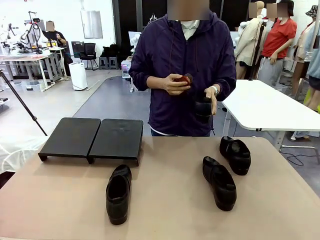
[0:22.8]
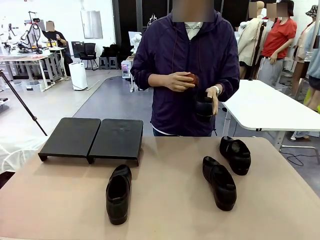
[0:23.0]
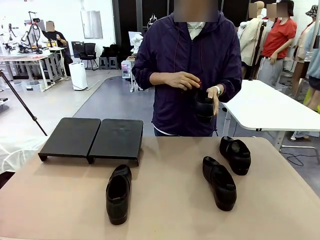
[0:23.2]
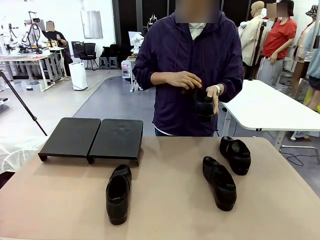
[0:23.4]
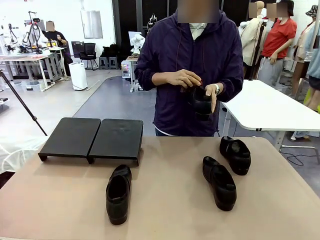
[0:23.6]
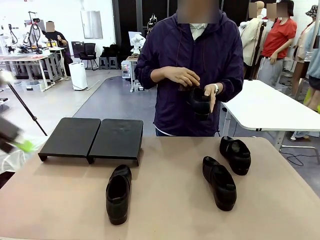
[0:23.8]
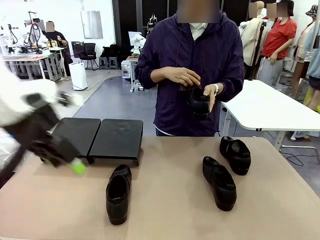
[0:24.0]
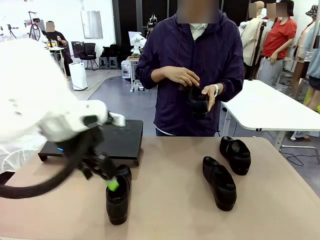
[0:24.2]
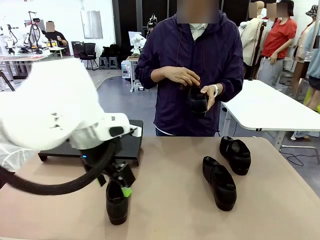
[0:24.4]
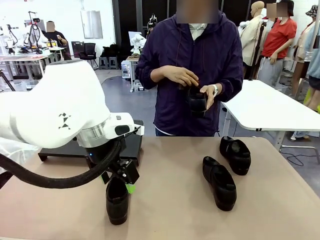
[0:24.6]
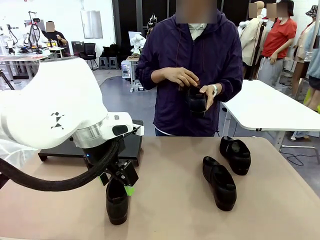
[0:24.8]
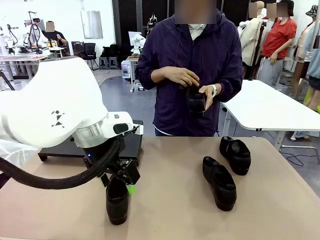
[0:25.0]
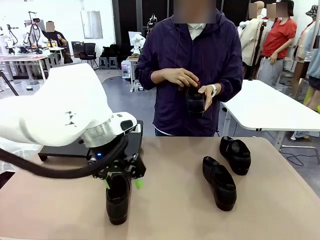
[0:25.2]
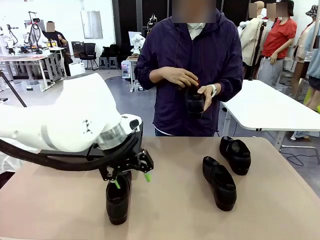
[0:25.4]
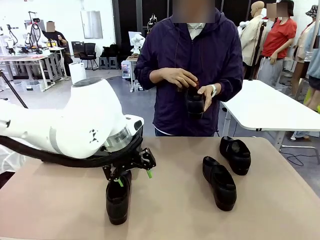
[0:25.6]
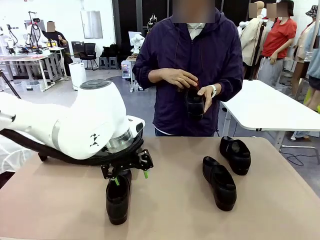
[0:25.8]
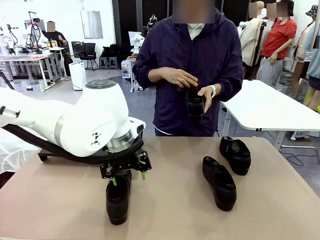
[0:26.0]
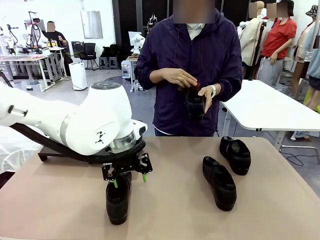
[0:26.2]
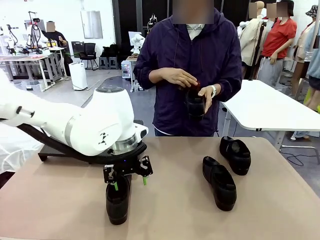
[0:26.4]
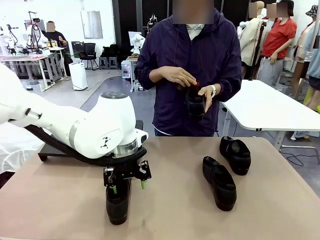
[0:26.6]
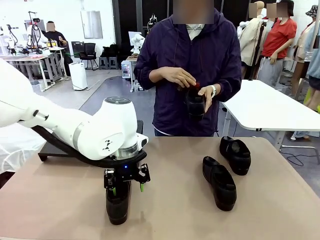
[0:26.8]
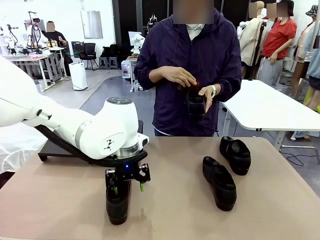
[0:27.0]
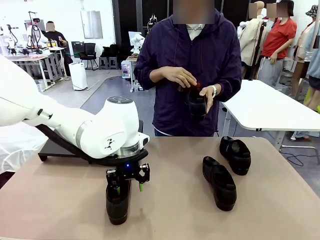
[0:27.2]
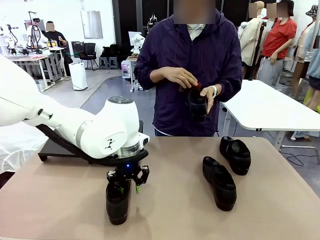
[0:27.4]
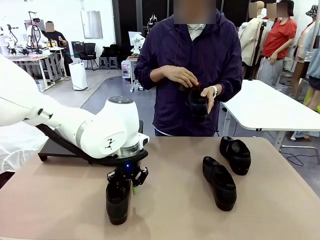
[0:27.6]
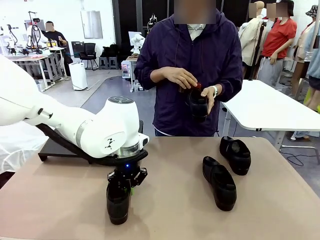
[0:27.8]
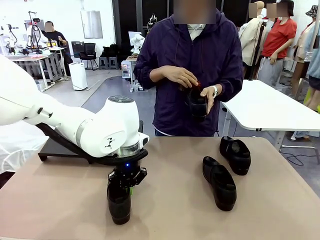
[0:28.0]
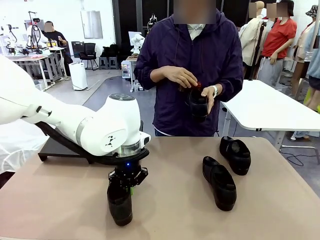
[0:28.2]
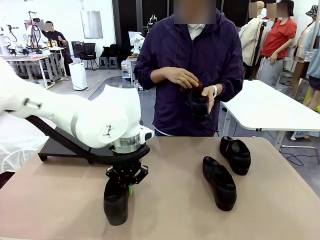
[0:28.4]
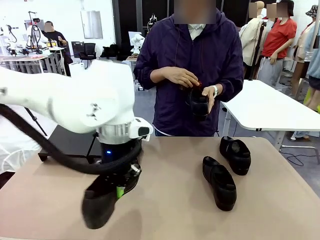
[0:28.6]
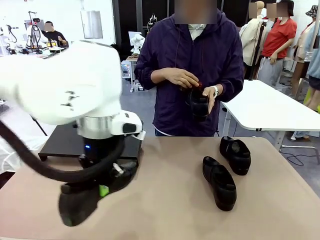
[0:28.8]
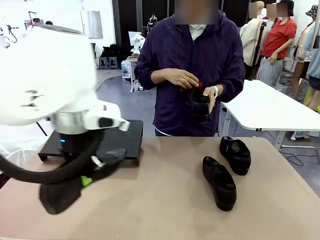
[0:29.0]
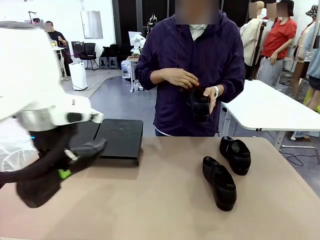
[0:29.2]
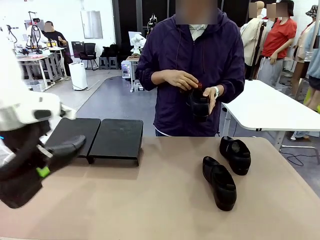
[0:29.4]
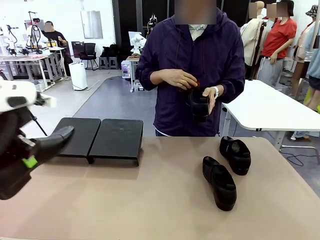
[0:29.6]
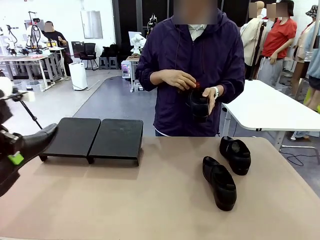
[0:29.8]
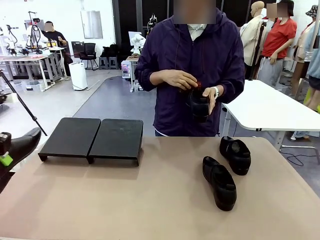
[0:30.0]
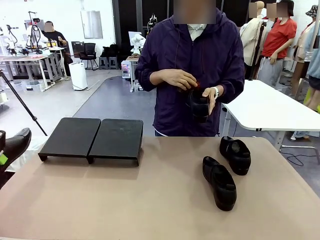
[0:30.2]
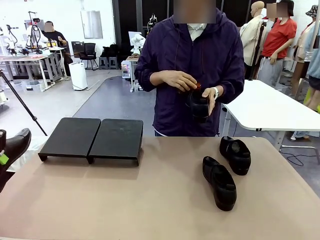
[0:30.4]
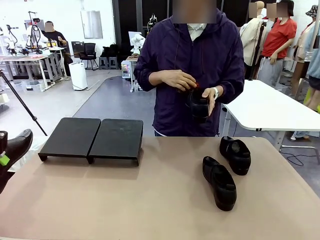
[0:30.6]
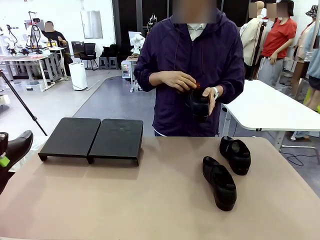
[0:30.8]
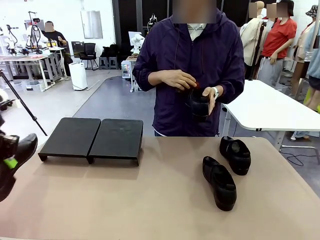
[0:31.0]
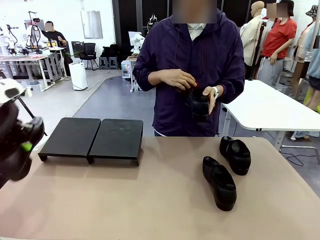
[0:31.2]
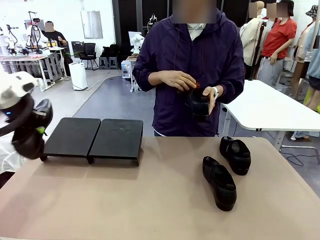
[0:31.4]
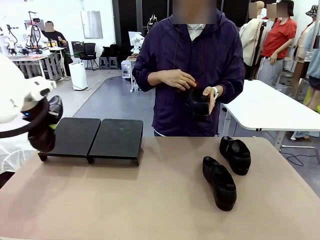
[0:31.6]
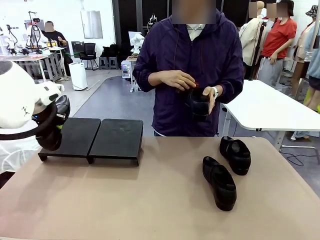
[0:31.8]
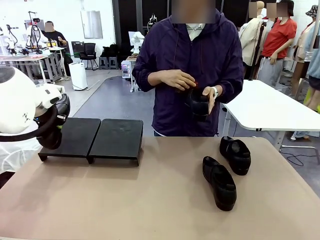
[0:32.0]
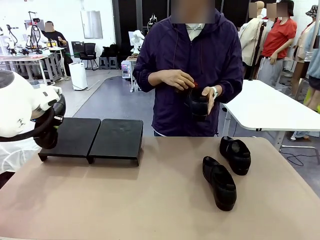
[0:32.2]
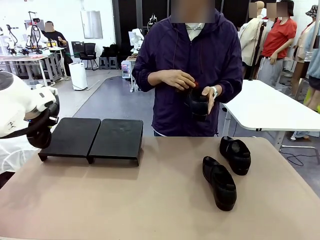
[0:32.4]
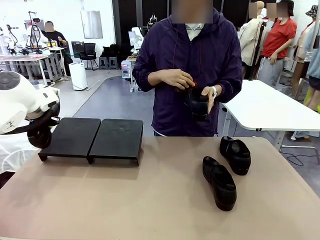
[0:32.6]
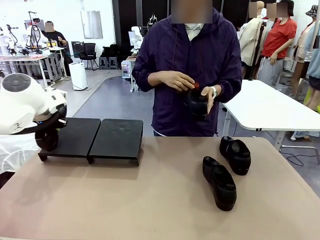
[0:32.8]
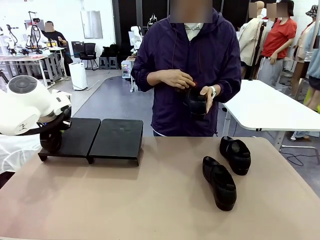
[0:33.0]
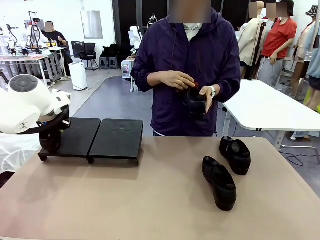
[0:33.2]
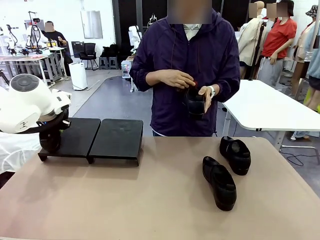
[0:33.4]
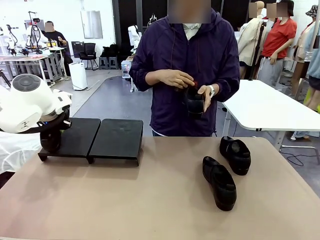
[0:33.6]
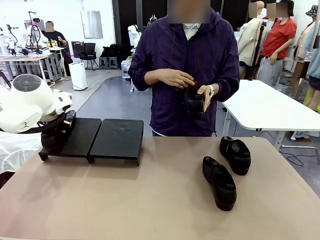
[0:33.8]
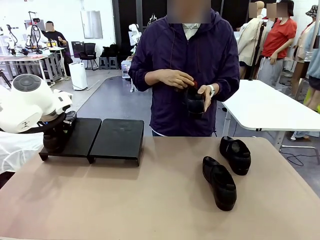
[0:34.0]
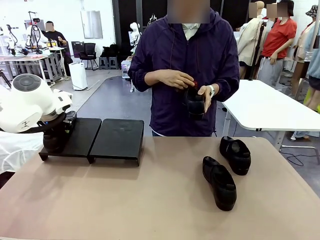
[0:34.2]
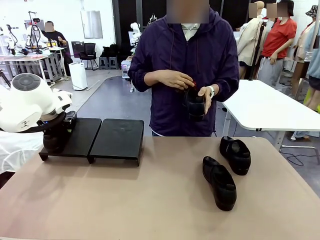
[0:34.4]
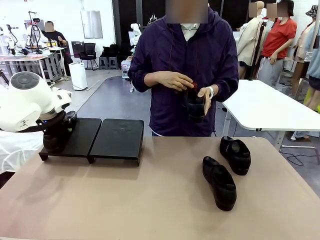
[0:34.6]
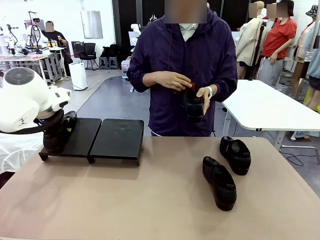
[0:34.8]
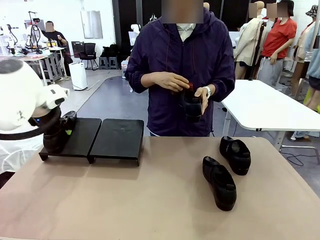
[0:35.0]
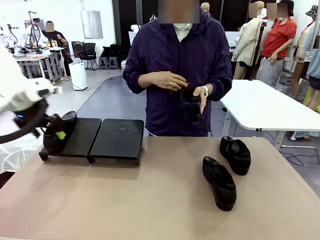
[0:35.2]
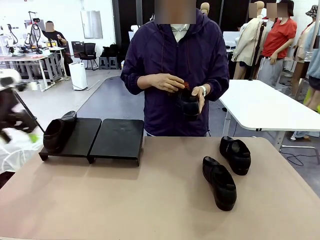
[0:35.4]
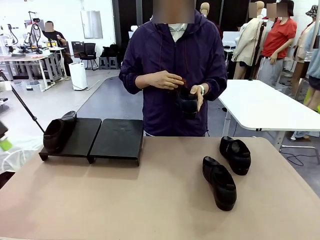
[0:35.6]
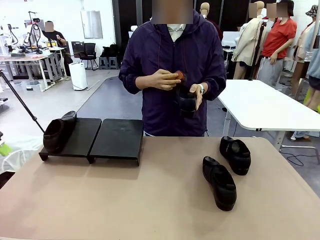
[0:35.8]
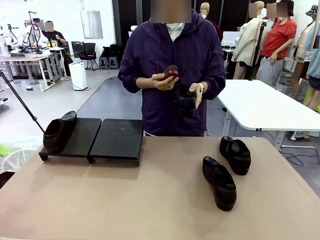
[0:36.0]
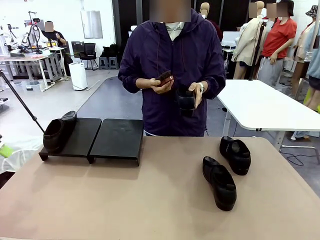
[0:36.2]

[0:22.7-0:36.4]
Task: Organize the shoes by placing them on the stand.
Robot: Place the Shoe from the middle of the table onto the Shoes Stand.
Person: Clean the Shoe with the Shoe Brush.
